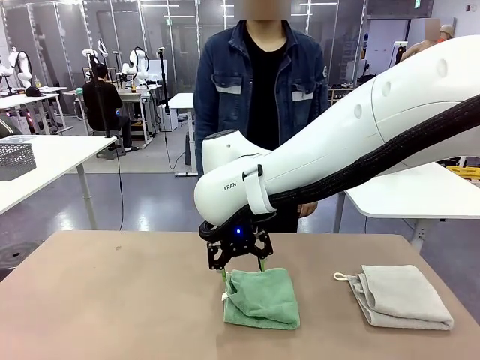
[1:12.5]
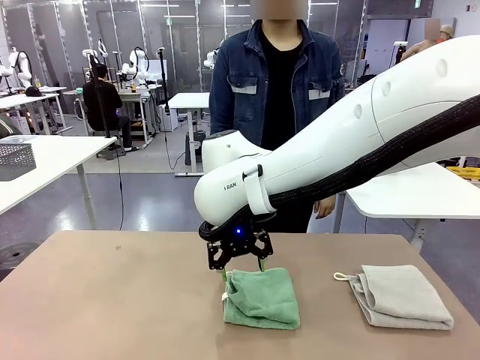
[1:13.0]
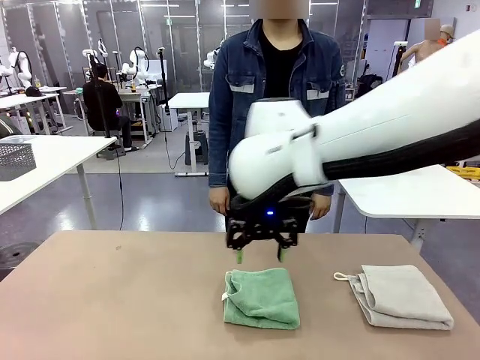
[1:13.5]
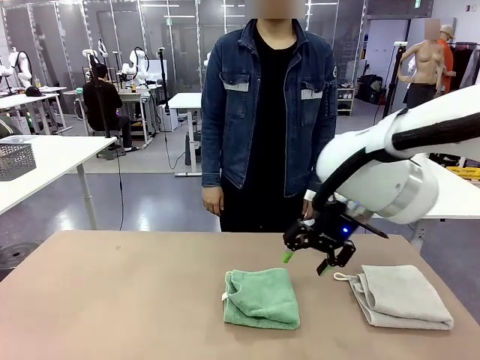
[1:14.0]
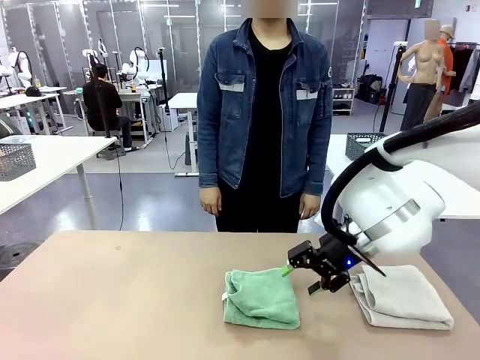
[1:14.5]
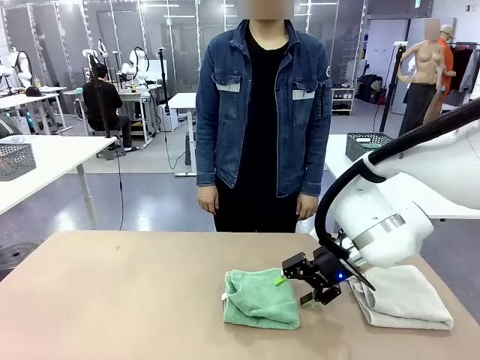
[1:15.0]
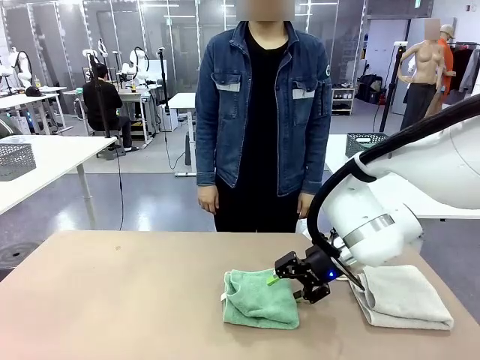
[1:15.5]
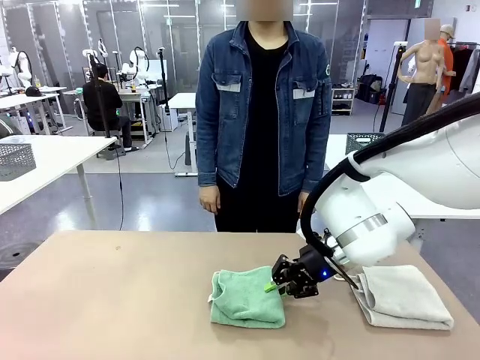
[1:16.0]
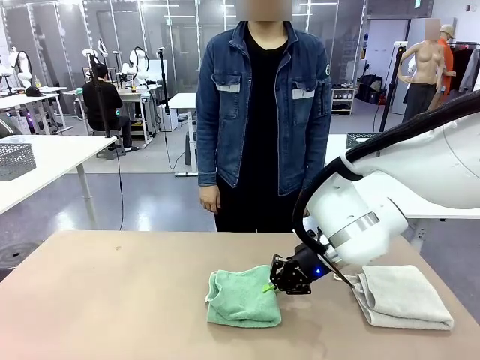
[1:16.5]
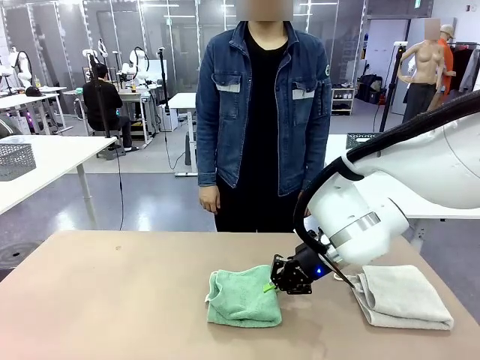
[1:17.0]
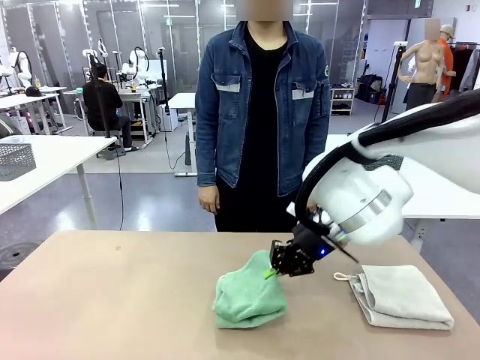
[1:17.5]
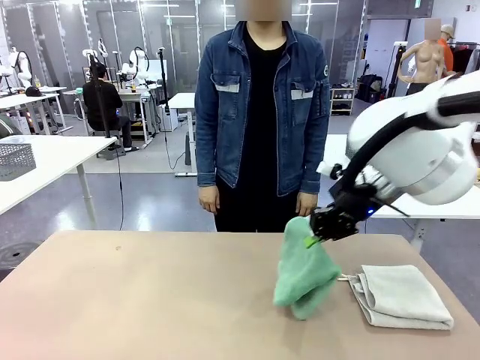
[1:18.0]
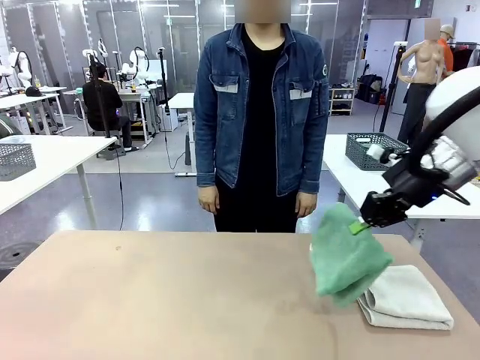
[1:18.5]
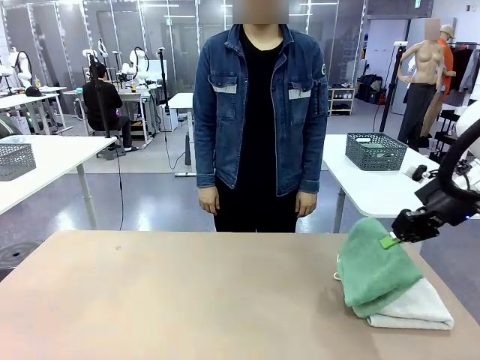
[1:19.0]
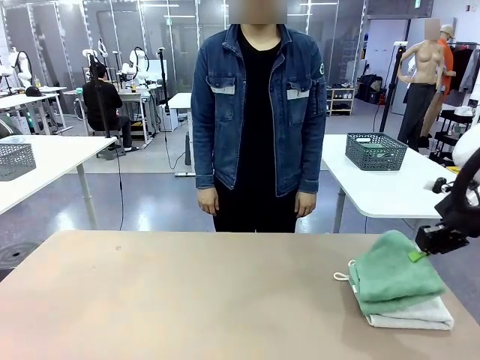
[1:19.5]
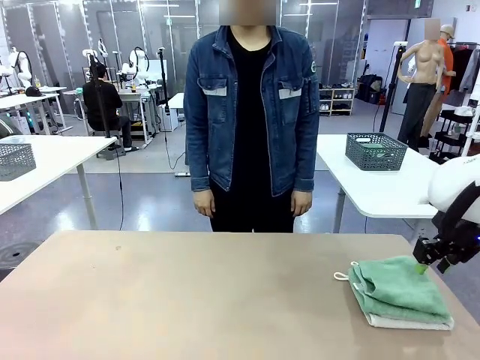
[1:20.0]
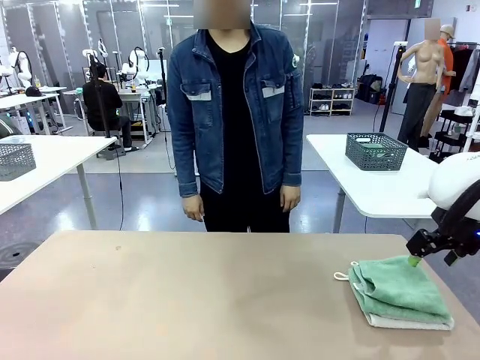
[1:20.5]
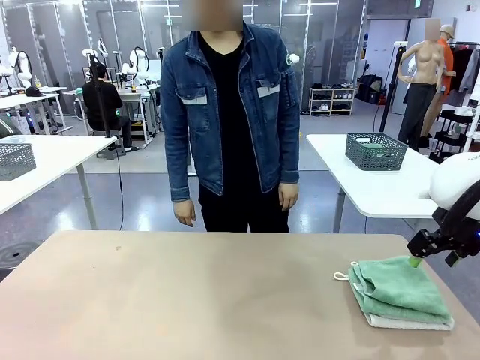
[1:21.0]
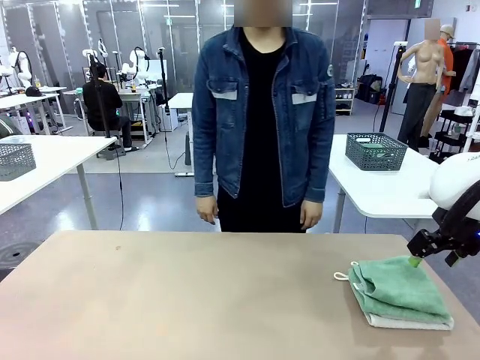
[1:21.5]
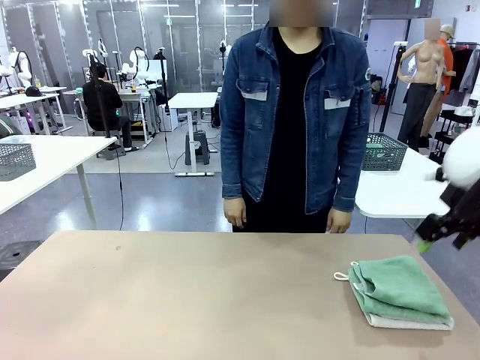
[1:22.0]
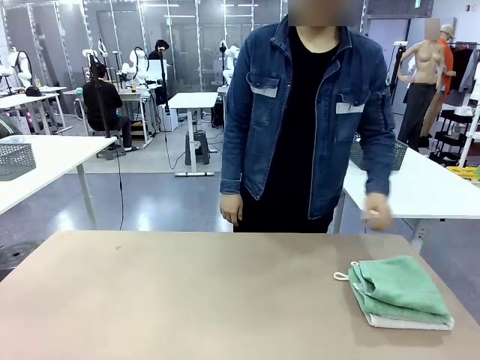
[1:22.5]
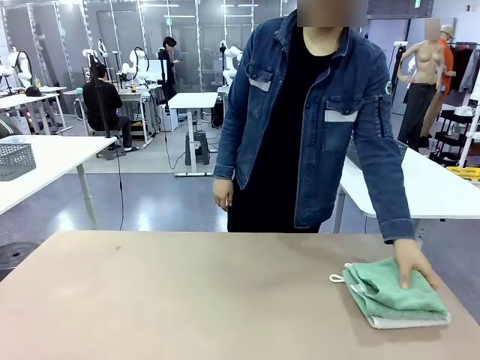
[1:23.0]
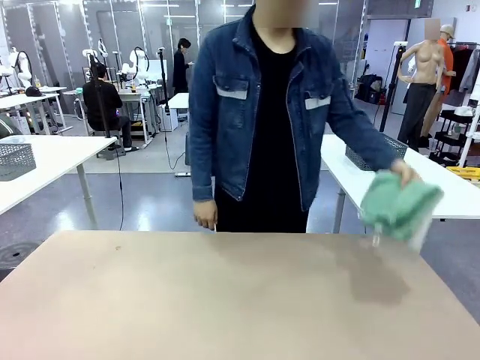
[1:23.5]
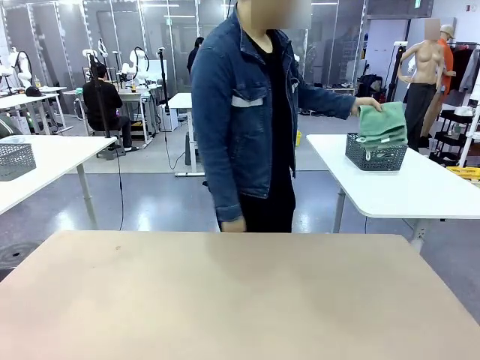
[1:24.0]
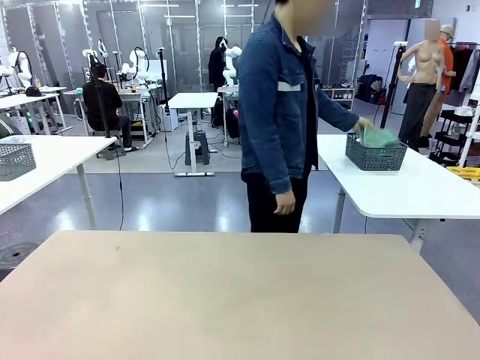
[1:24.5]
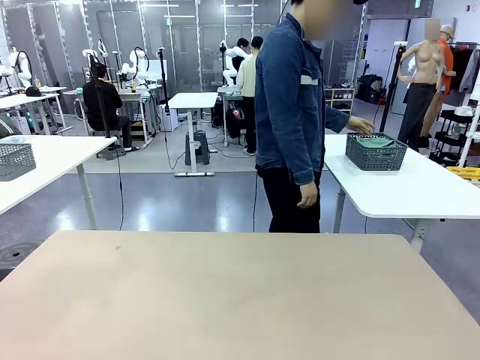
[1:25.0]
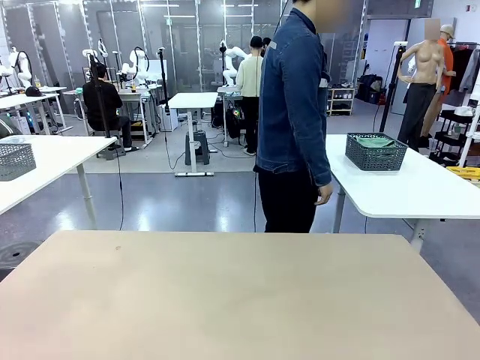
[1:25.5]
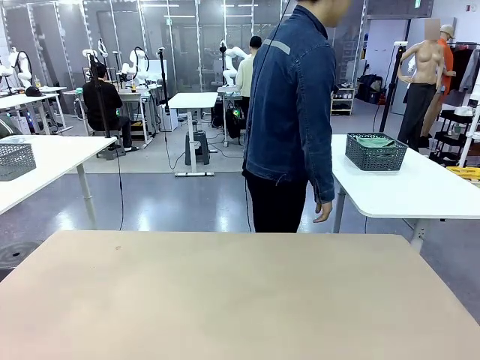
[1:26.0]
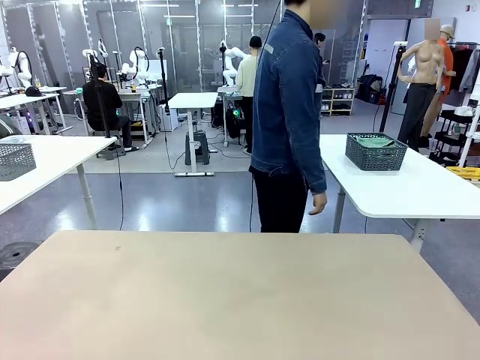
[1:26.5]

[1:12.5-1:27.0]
Task: Fold the towels and place them in the basket.
Robot: Stack the folded Towel with hook on the right side of the table.
Person: Pick up the stack of towels from the robot table and place it into the basket.

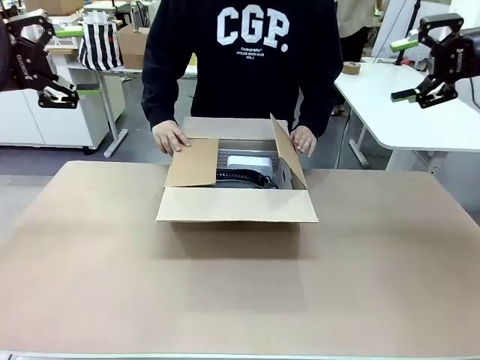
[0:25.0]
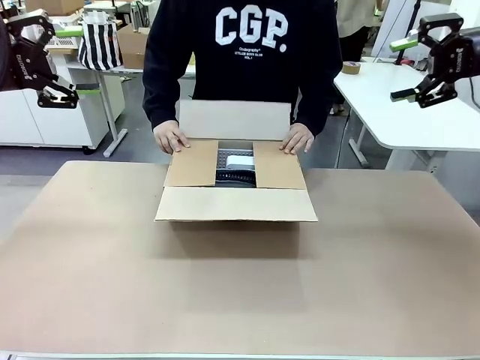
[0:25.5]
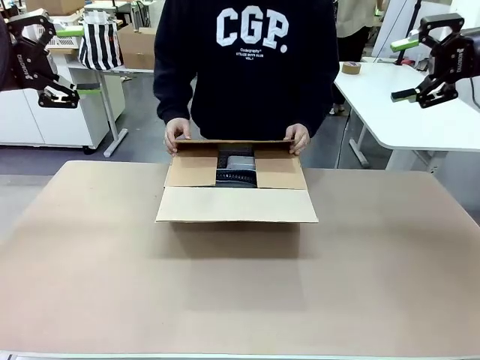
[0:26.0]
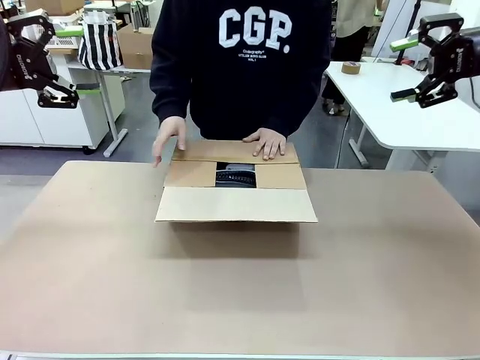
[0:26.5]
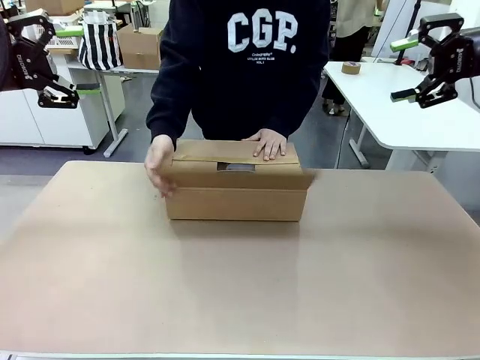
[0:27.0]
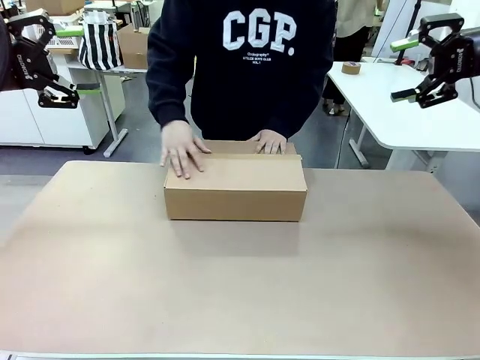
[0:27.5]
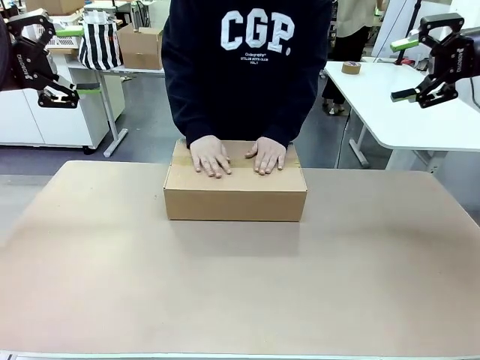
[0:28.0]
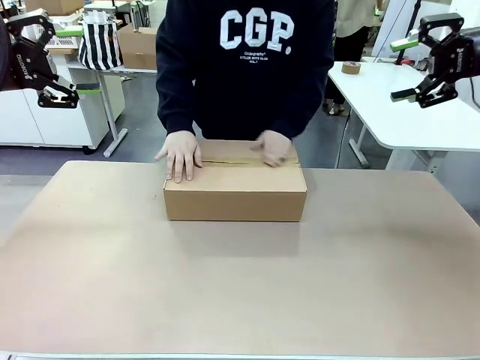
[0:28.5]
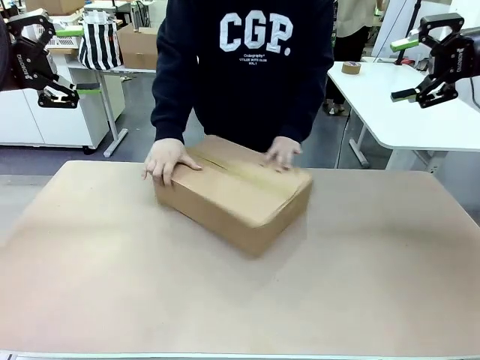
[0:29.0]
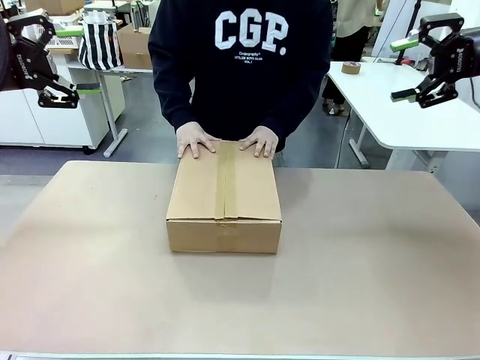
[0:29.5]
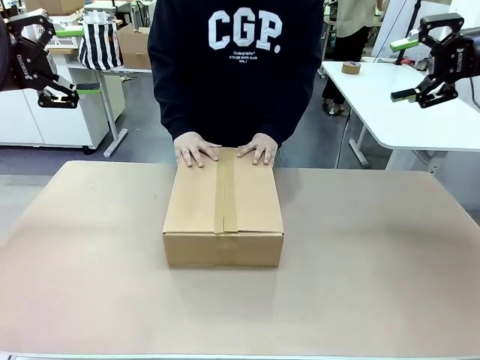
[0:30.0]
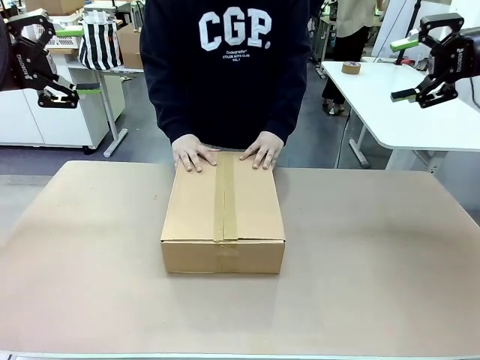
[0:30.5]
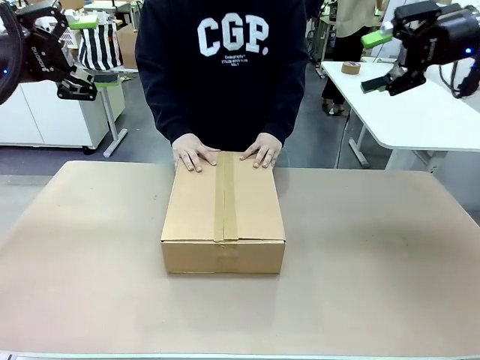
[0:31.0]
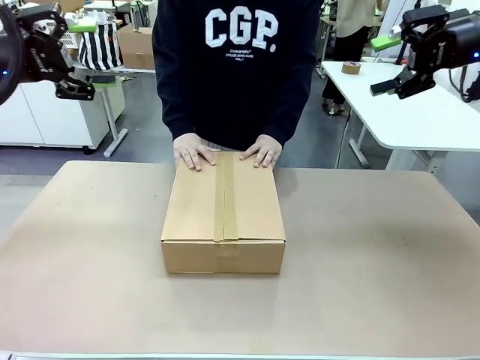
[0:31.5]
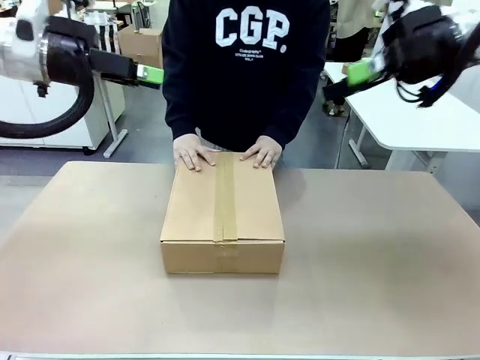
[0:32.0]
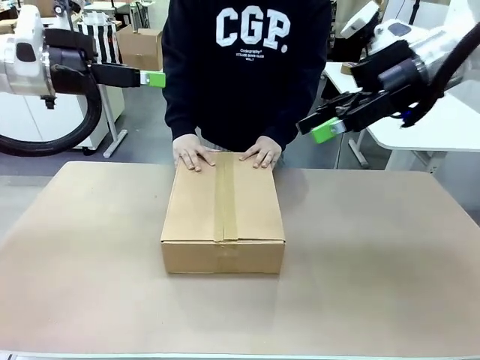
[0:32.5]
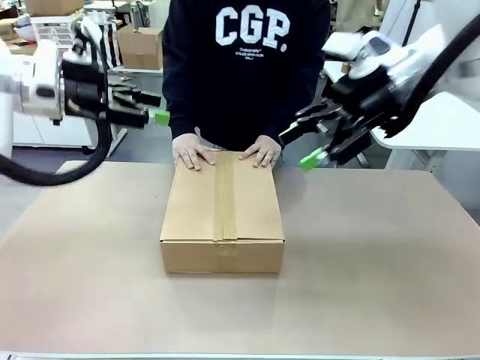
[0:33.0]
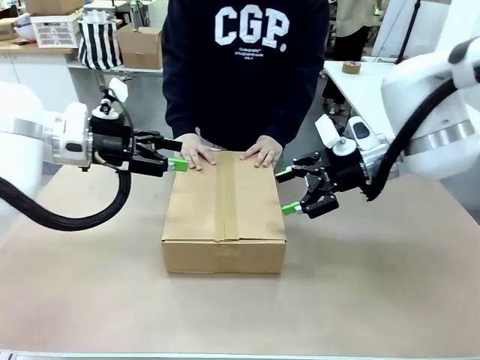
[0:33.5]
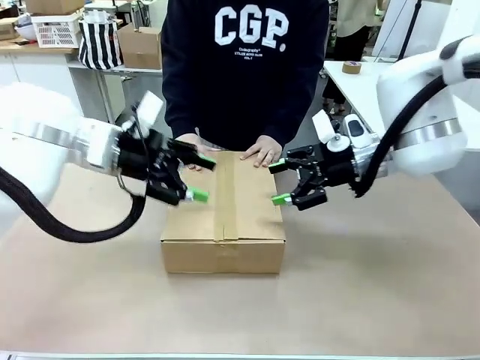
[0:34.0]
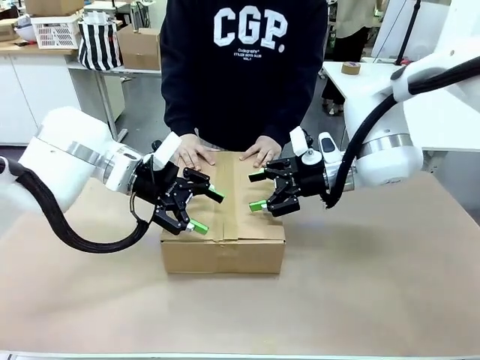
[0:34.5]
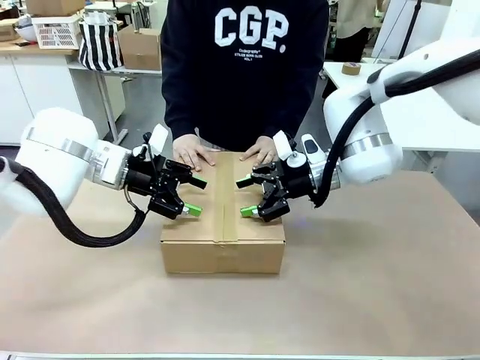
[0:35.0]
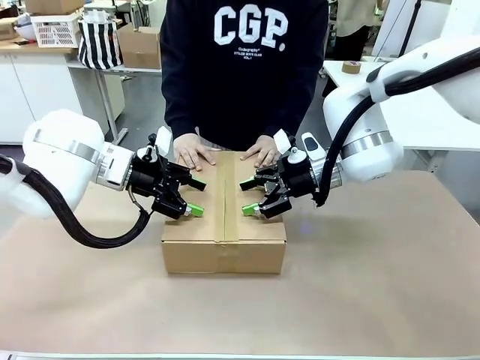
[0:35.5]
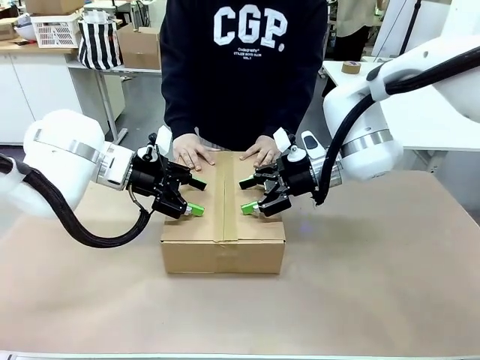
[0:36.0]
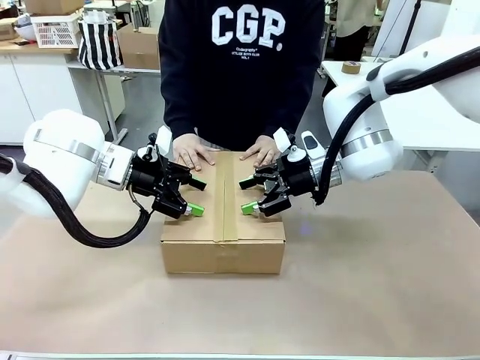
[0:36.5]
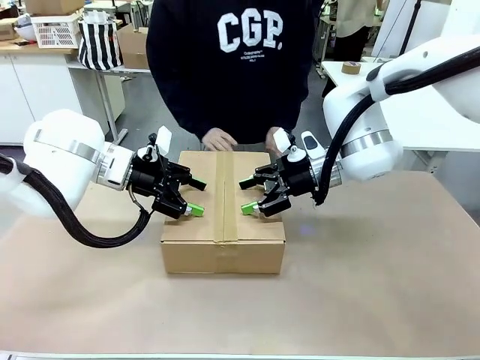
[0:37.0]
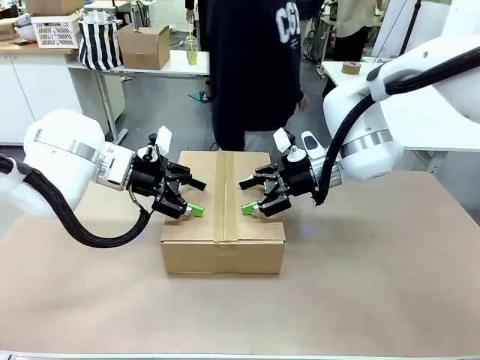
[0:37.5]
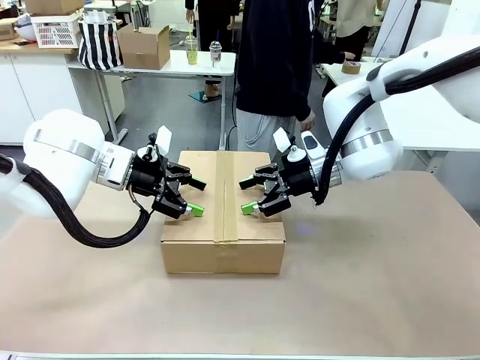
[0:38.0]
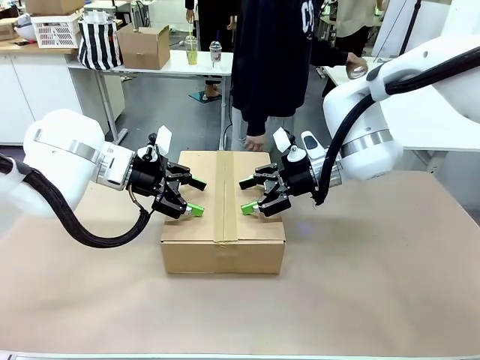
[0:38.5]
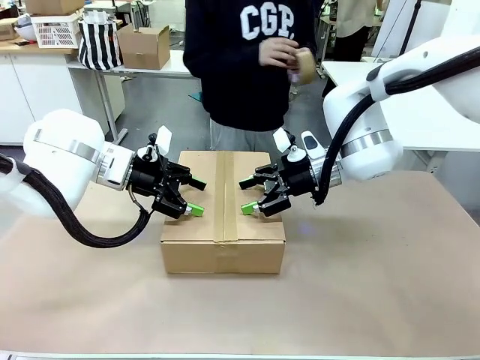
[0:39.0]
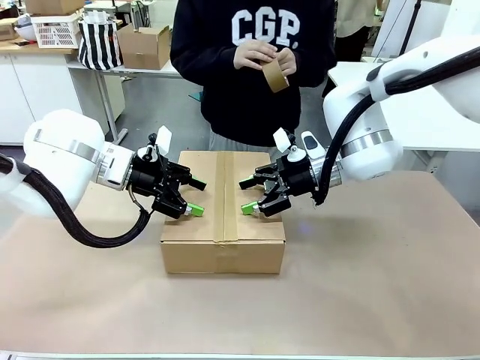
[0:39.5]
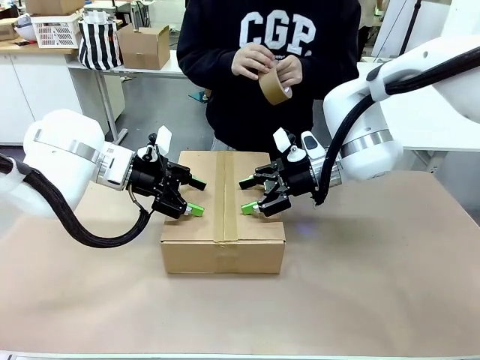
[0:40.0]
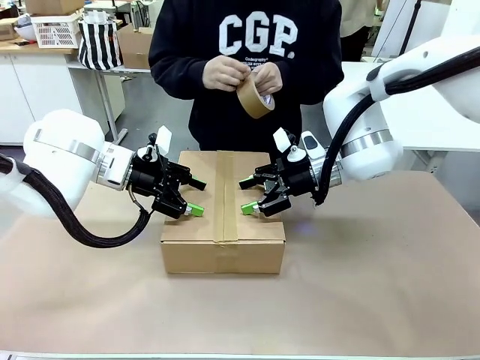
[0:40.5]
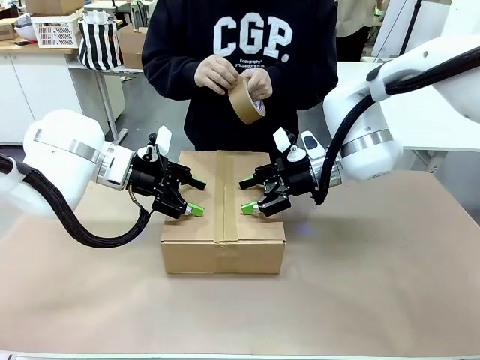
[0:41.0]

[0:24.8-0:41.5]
Task: Pack the gift set into the box.
Robot: Press and hold the closed box until the human finishes sealing it.
Person: The human closes the box and rotates the box by 90 degrees.
